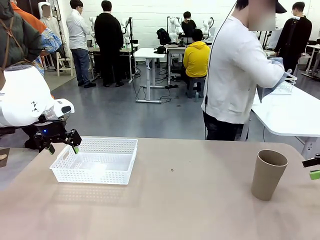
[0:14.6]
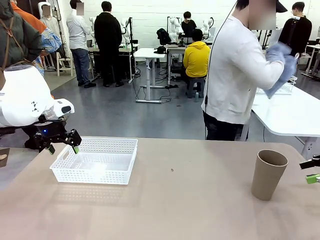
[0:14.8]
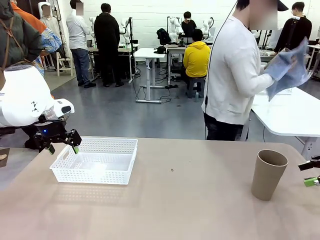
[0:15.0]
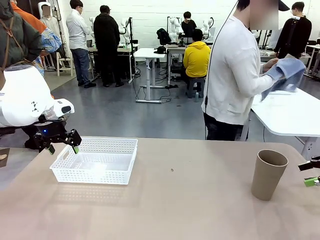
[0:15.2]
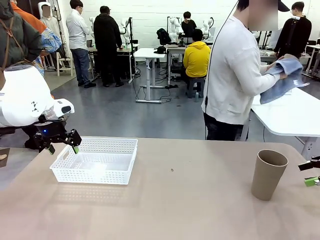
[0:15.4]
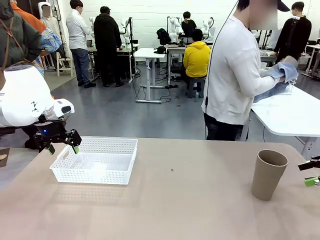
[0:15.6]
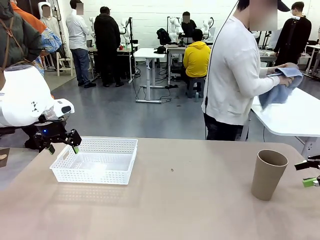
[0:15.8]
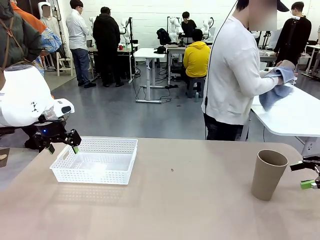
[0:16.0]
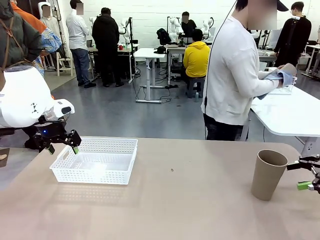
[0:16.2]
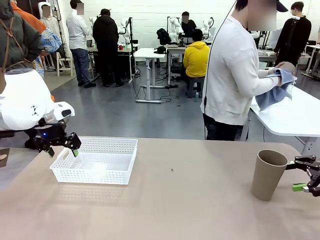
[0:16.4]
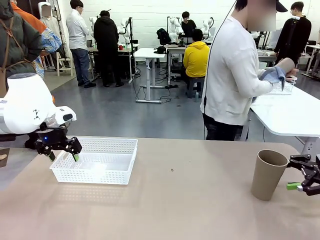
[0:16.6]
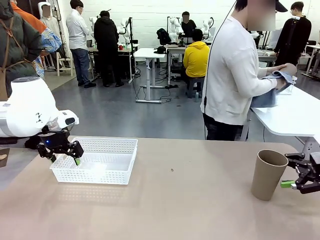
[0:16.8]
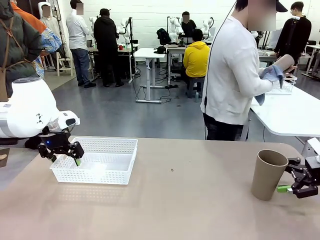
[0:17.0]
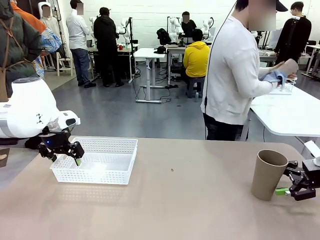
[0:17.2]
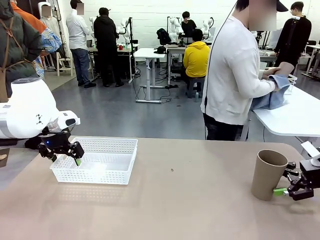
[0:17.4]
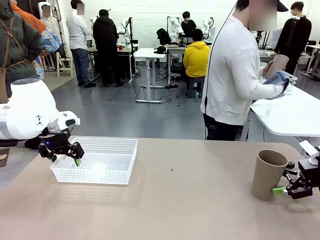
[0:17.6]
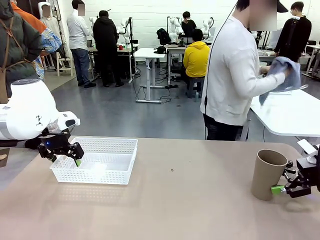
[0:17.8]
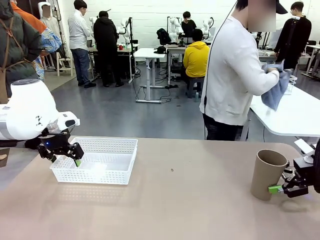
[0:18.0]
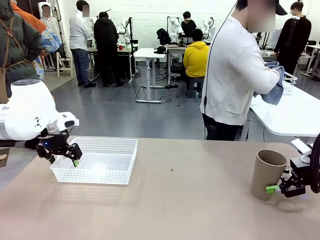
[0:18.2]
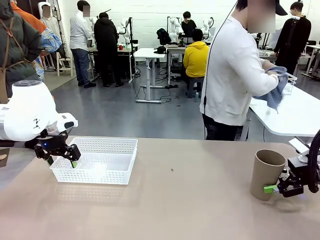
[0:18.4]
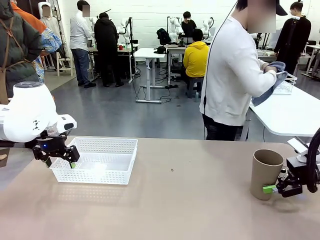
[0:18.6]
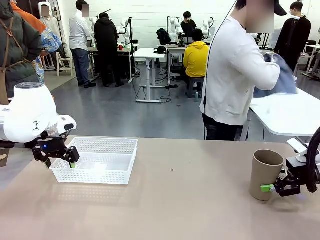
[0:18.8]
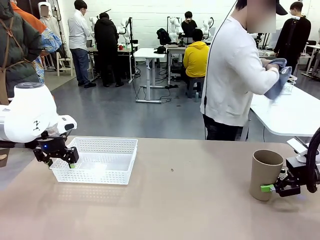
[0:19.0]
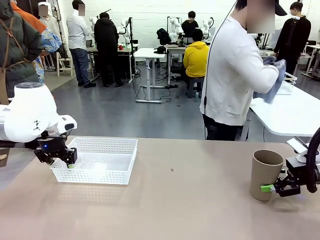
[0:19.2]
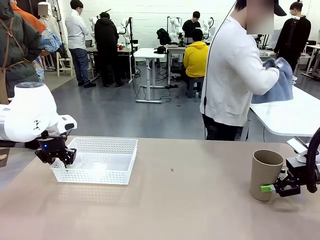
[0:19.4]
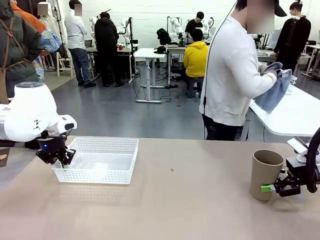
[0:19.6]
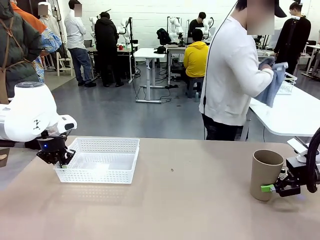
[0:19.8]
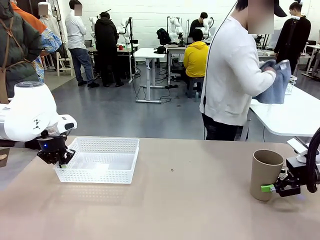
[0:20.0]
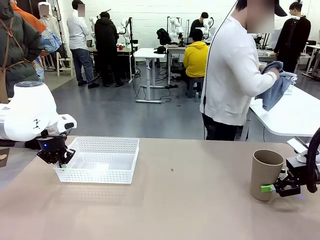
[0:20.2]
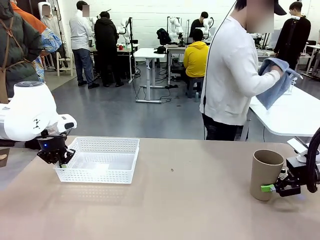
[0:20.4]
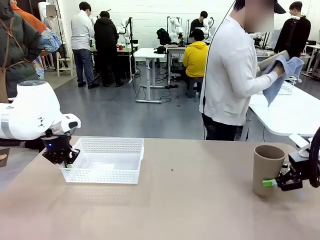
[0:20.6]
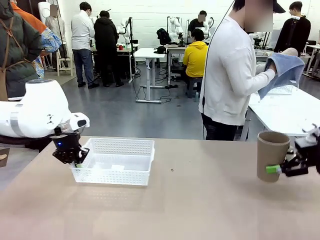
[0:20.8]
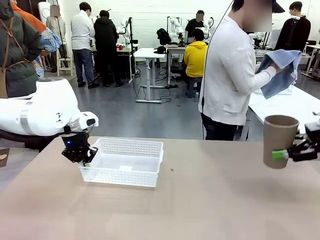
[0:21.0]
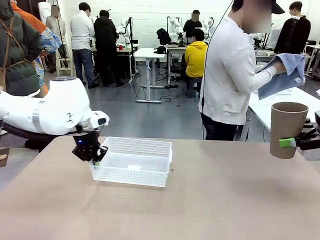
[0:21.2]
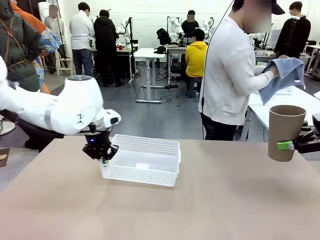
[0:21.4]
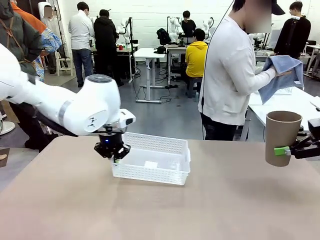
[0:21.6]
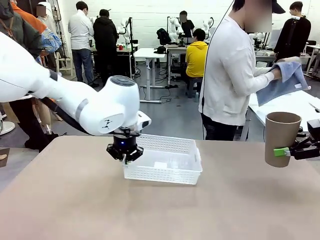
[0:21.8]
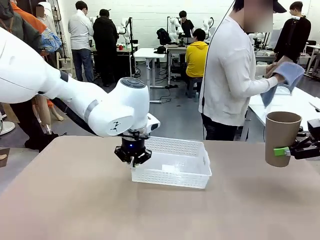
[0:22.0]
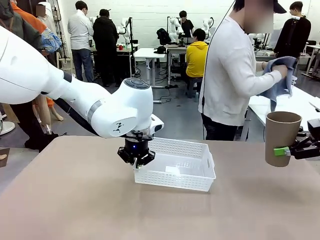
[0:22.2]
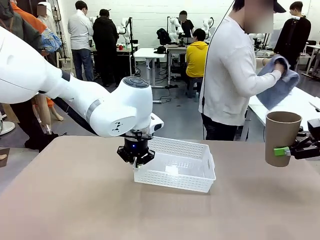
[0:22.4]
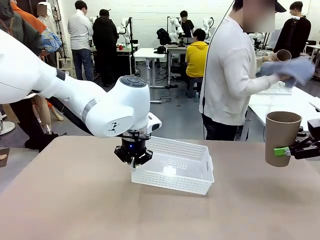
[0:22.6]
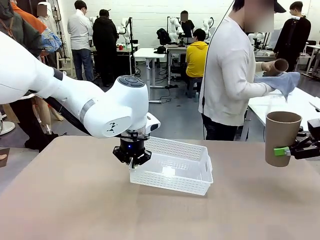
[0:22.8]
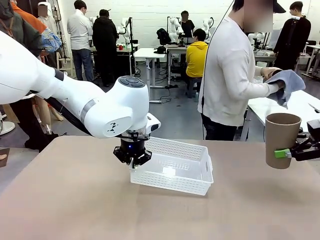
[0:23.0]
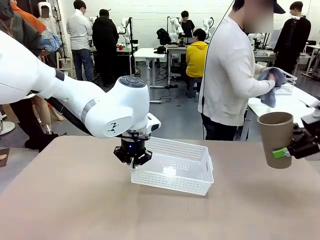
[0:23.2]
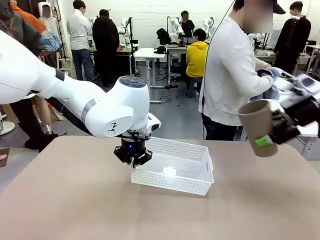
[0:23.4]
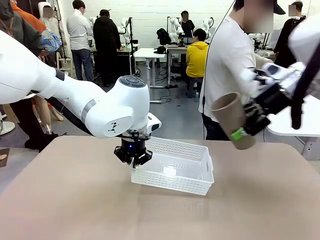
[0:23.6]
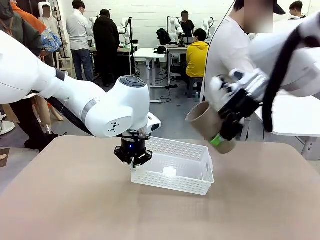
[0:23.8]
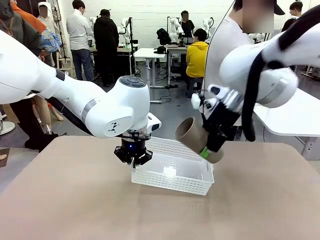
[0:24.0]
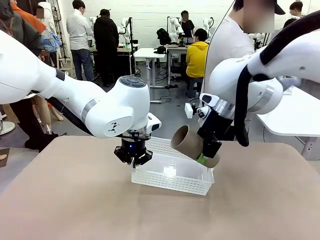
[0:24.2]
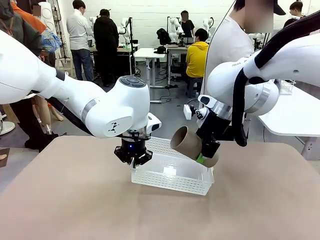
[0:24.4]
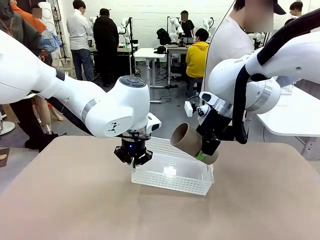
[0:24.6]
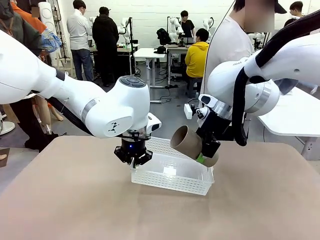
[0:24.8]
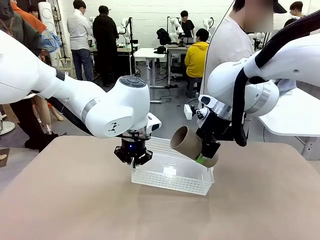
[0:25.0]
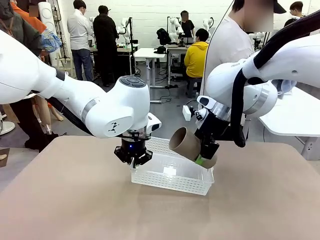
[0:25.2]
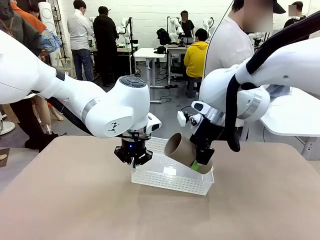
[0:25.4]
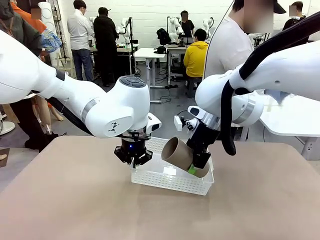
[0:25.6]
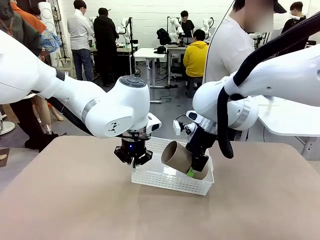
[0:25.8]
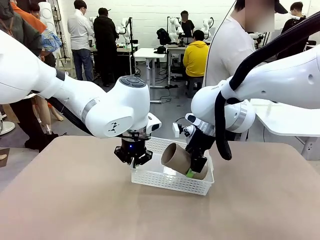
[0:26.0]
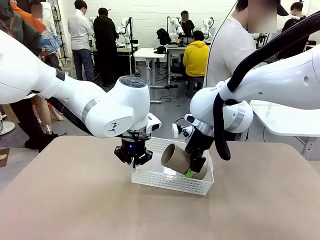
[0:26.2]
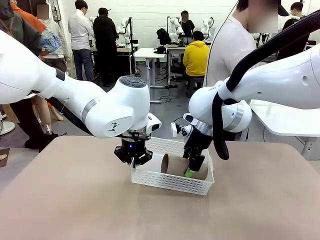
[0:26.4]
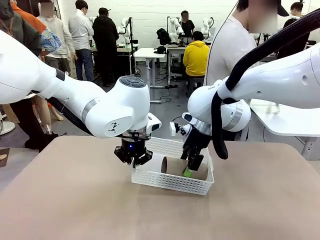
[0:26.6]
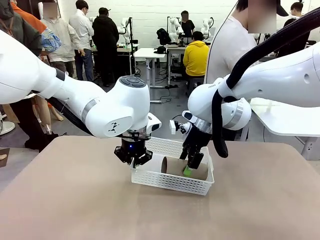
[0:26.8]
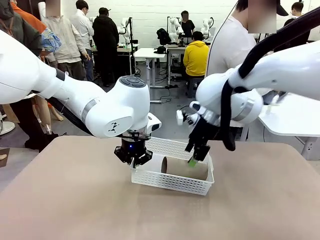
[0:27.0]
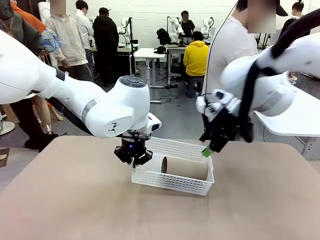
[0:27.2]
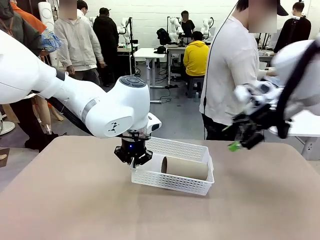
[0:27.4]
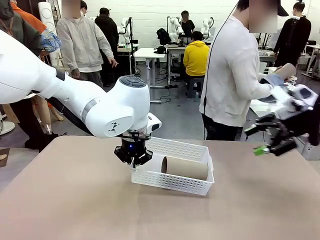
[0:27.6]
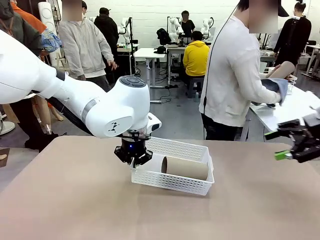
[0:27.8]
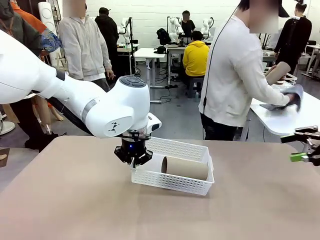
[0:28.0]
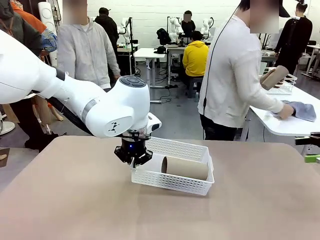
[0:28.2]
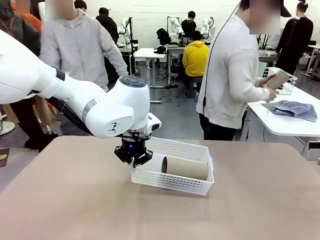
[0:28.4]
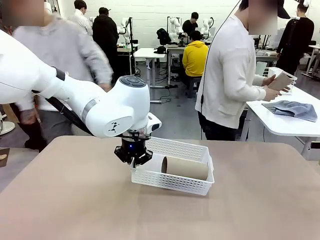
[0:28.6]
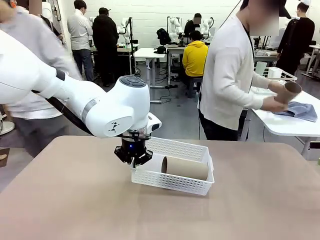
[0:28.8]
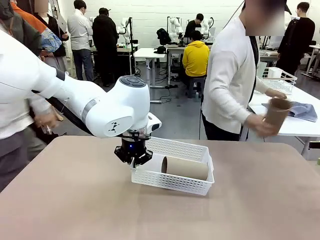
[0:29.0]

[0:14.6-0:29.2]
Task: Clean and organize the cups into the basket.
Robot: Pick up the Organizing basket and move it to the center of the table, then pick up the Reusable plastic cup from the right side of the table and place it inside the Organizing basket.
